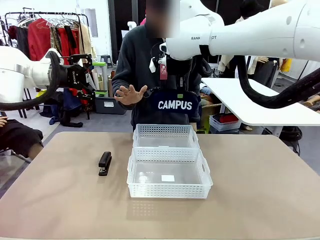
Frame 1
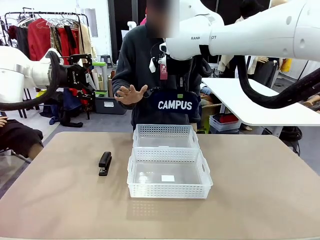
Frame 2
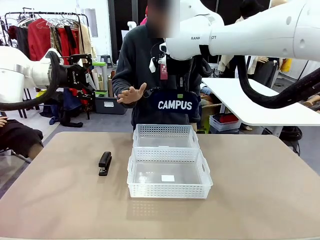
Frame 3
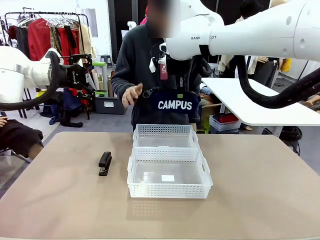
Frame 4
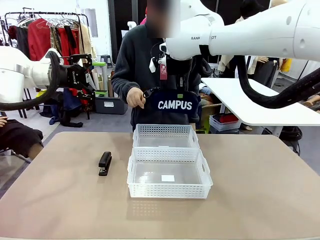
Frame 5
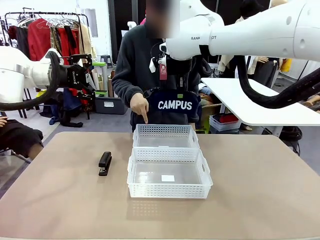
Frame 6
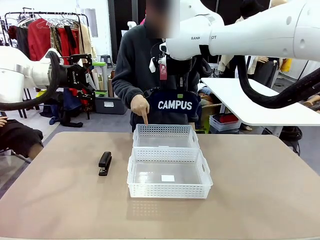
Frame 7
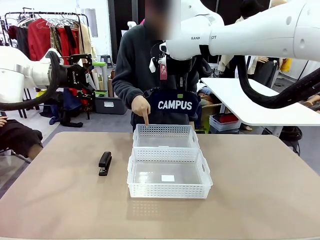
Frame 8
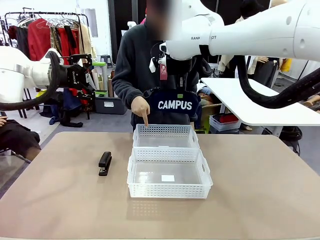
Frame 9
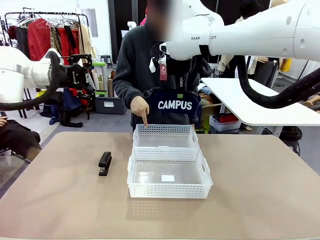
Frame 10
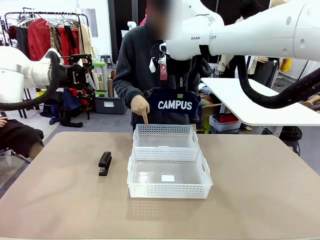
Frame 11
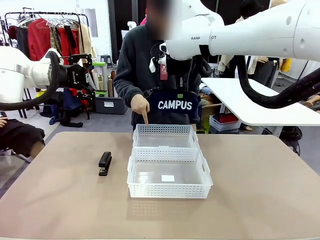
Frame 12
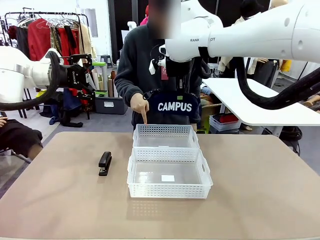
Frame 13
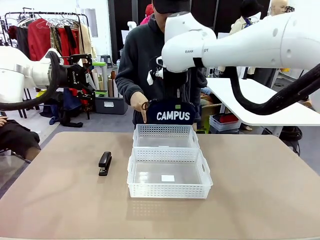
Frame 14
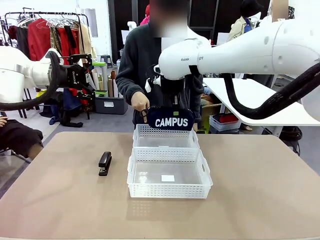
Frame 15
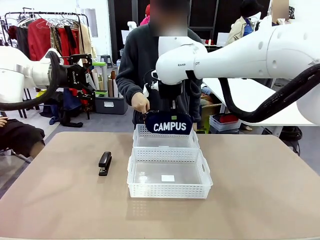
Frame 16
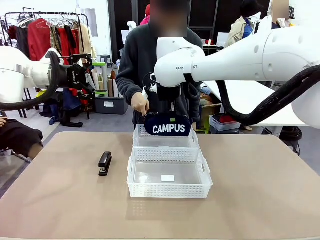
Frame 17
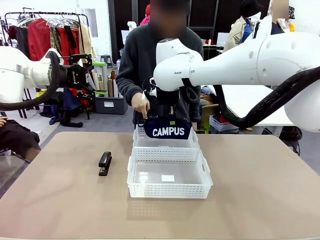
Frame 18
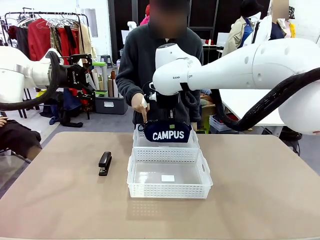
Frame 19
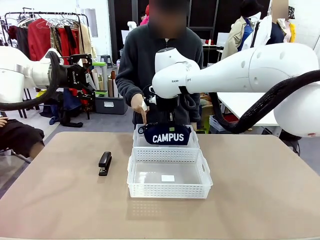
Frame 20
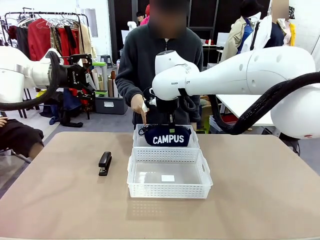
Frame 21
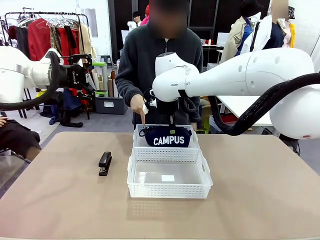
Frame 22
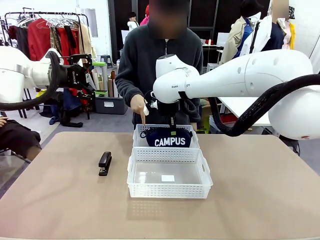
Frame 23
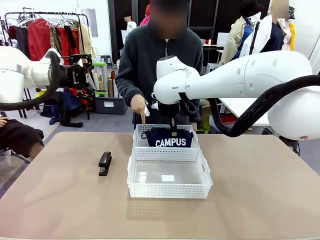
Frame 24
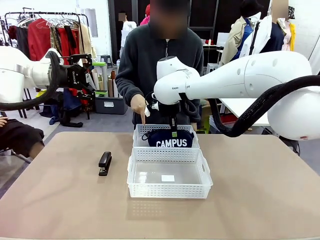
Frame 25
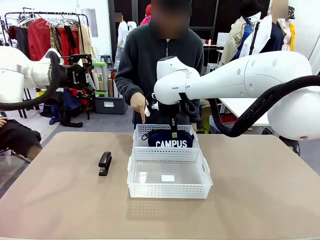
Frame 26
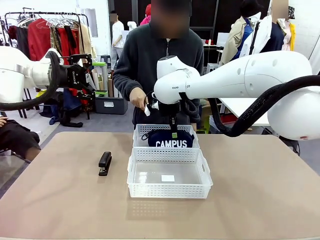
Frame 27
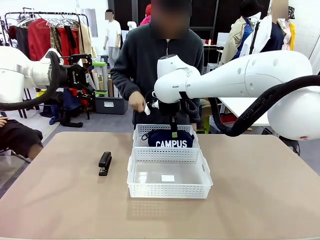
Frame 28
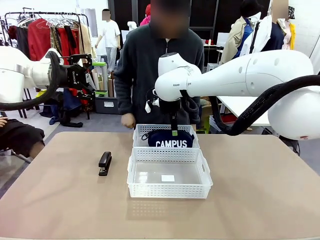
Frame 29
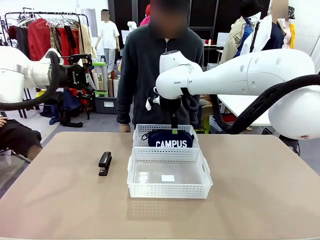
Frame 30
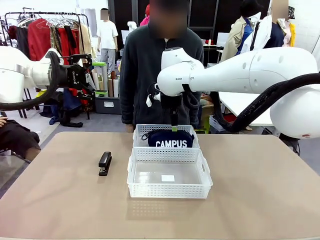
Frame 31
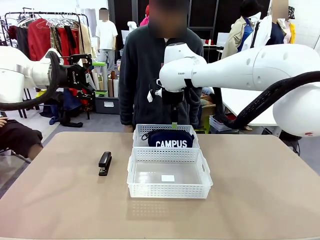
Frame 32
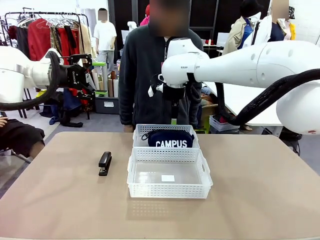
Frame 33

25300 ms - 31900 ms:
Task: Distribute items into two baskets.
Robot: Place the picked Pencil pouch into the Organizing basket as instructed by the person.
Person: Instructs the robot to place the pencil case into the opposite basket.

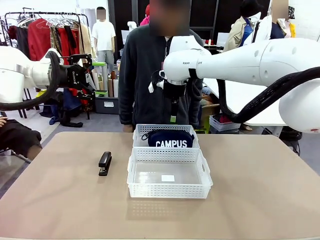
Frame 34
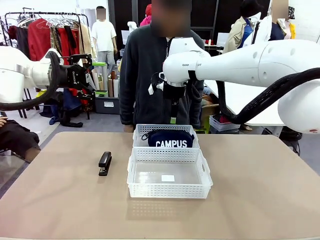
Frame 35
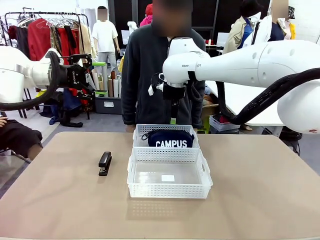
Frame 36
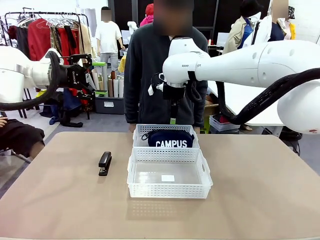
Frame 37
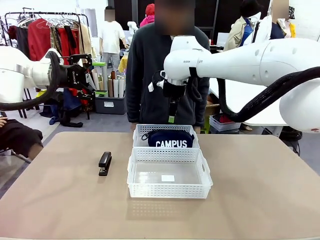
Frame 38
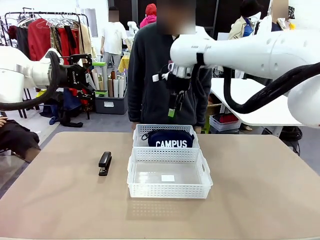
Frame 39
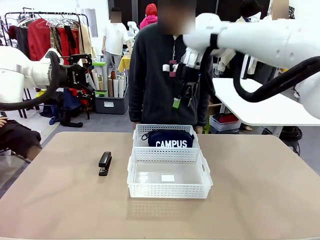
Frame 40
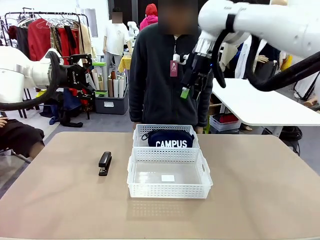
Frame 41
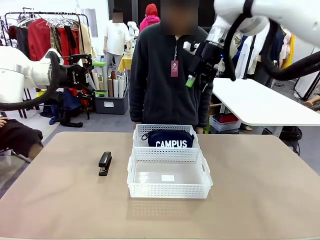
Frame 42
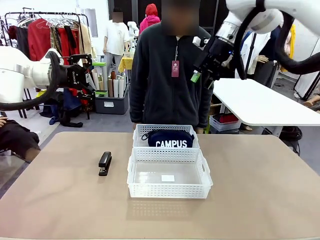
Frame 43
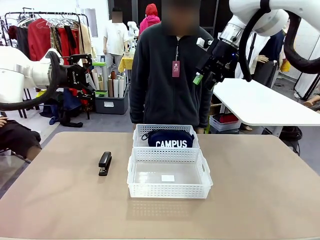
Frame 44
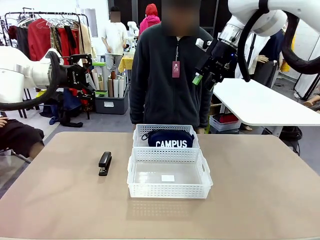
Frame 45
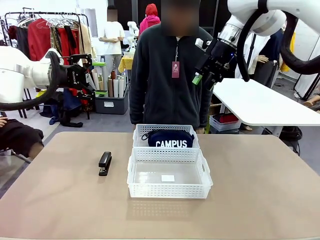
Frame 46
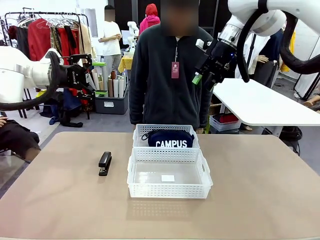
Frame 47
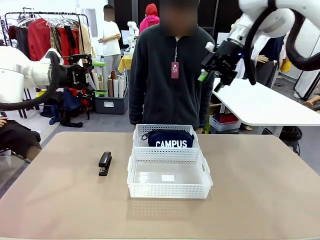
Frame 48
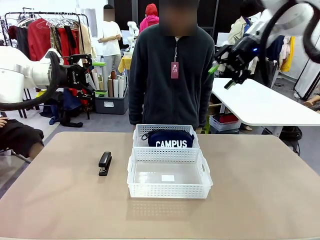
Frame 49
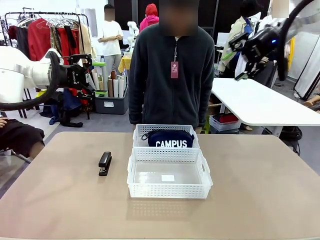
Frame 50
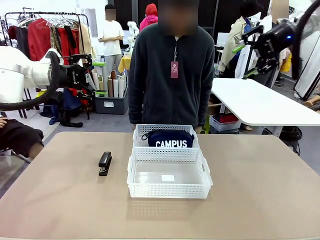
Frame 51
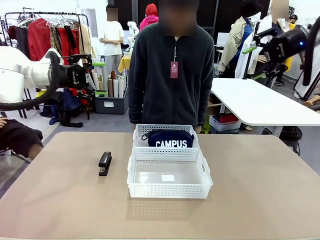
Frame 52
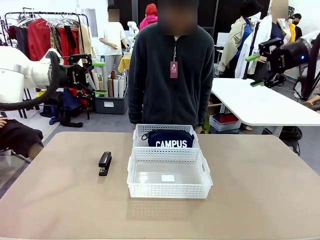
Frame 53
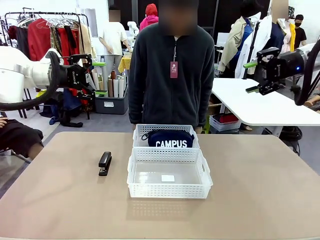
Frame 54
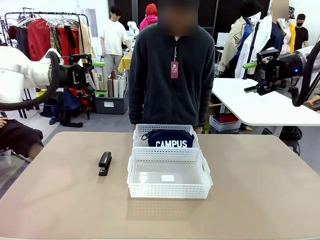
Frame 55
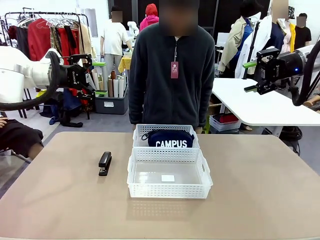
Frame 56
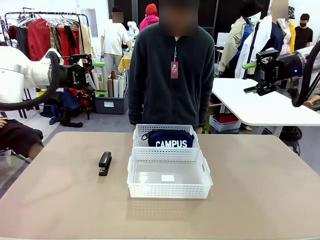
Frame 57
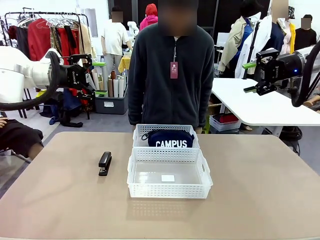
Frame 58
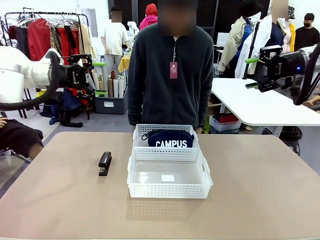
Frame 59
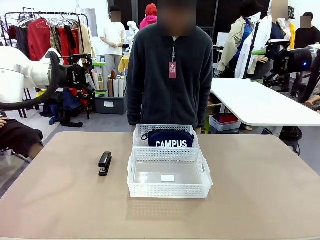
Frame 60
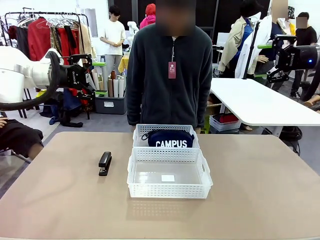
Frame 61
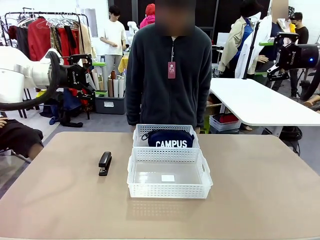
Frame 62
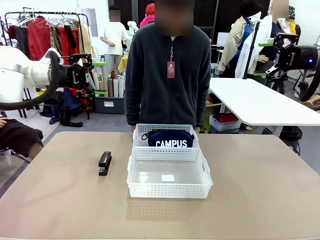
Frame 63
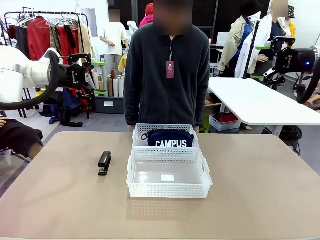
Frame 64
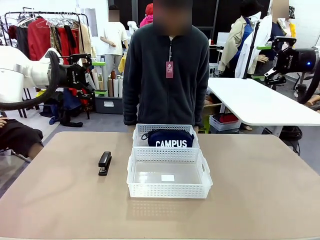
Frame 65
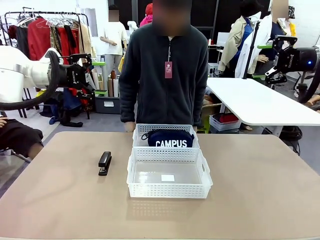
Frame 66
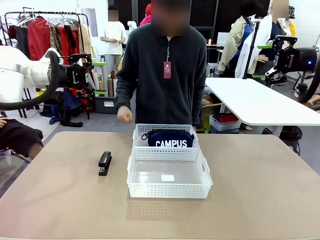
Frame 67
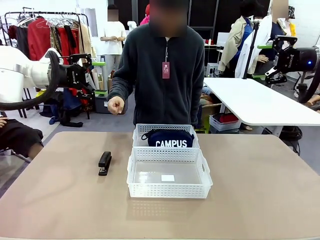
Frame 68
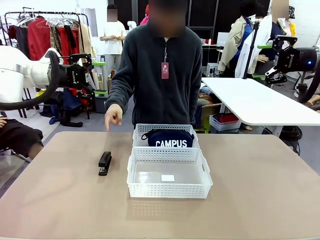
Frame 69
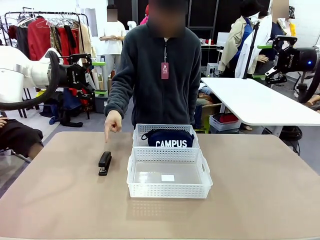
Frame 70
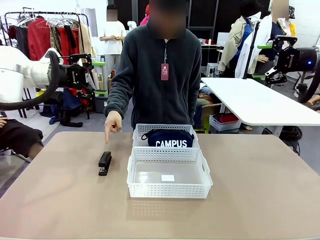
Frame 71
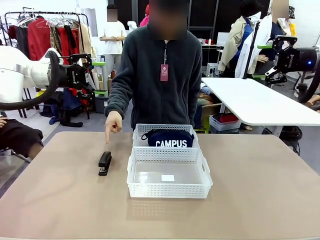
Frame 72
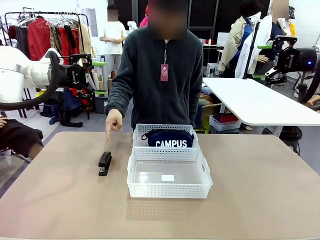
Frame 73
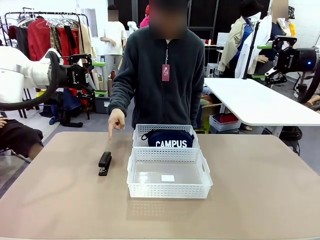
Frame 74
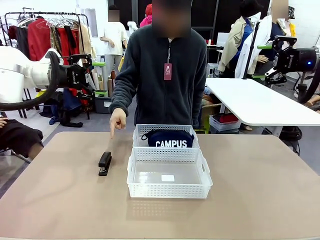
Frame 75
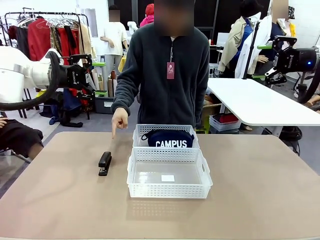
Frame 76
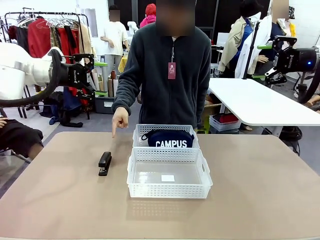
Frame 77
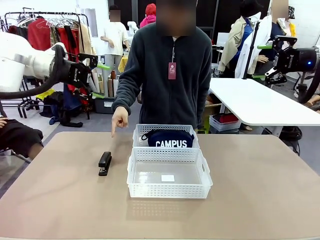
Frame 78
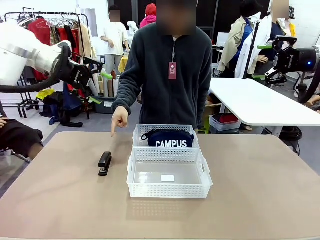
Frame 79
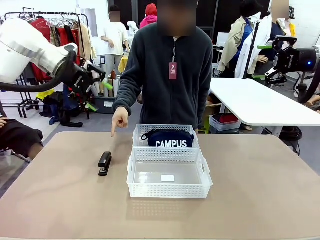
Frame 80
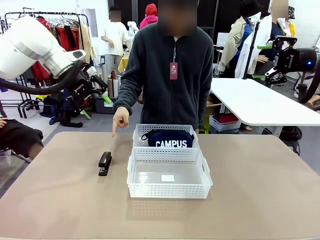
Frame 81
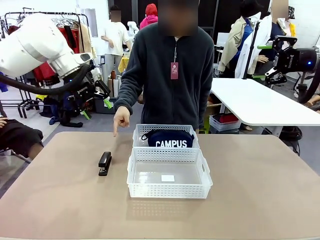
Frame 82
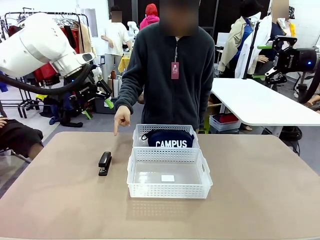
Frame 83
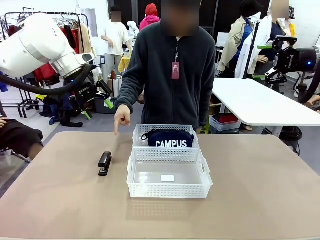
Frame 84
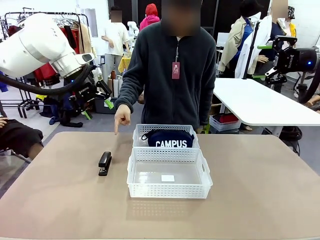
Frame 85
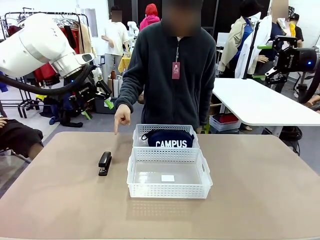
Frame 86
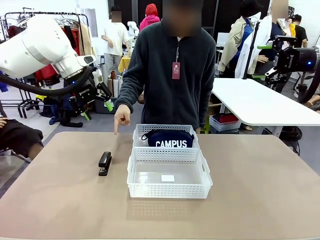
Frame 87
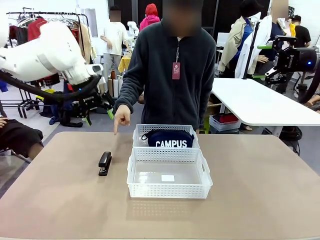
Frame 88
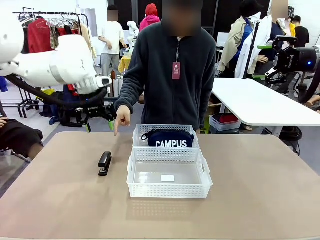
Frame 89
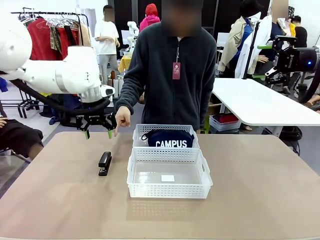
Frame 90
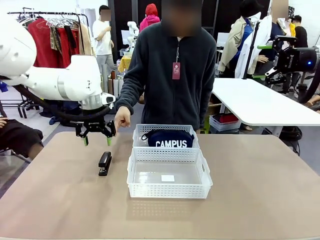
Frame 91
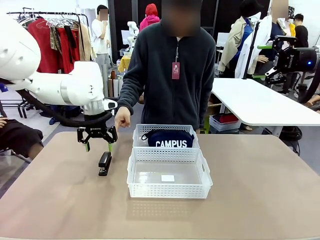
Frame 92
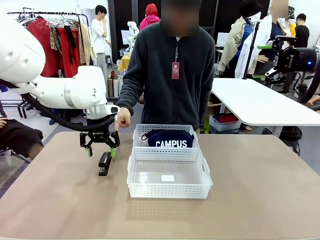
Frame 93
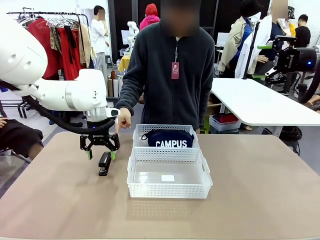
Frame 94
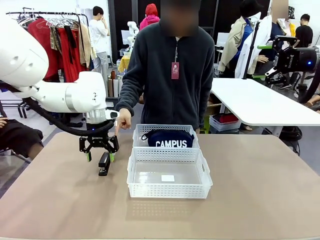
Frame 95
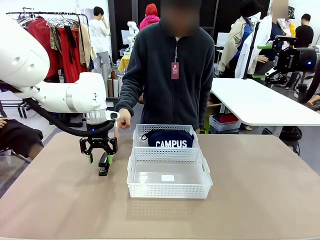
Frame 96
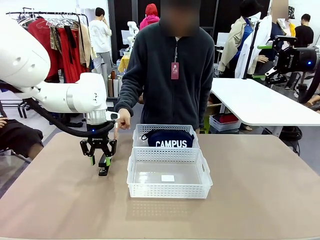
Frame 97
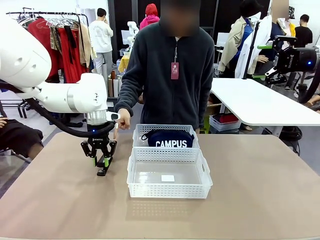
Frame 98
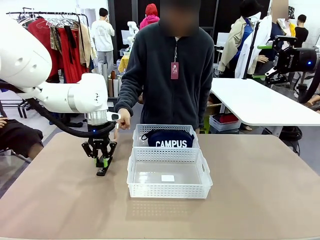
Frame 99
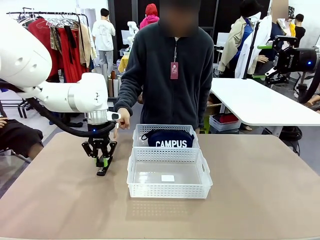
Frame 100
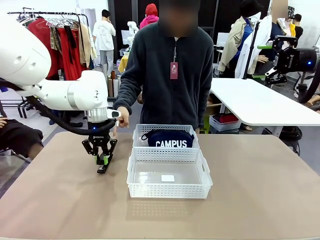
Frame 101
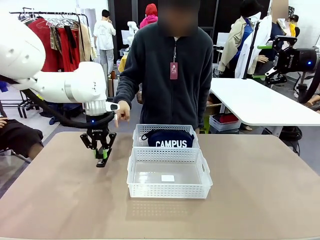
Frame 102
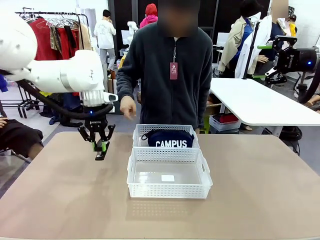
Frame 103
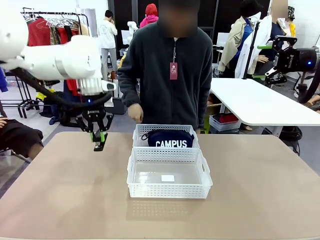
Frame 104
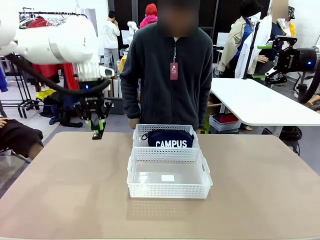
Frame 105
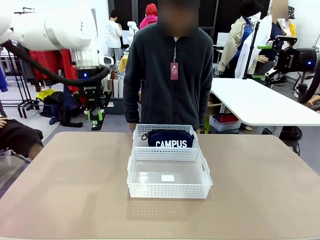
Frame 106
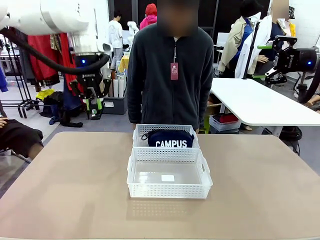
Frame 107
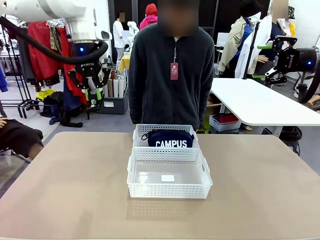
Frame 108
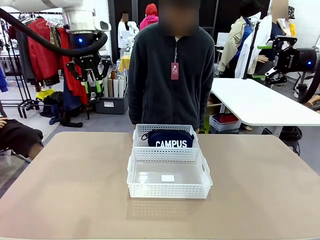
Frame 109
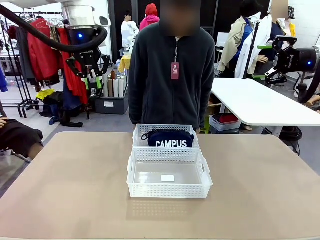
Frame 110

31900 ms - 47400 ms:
Robot: Pick up the Stapler that the person points to.
Person: Points to the stapler.
